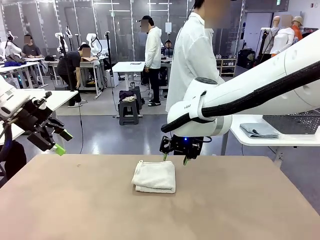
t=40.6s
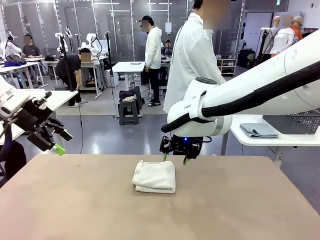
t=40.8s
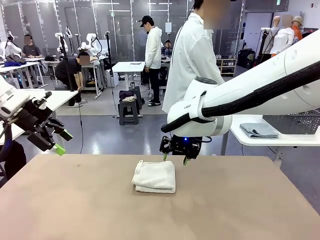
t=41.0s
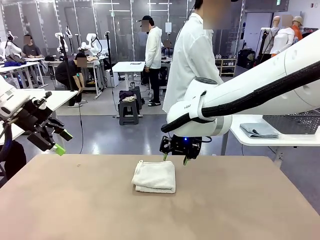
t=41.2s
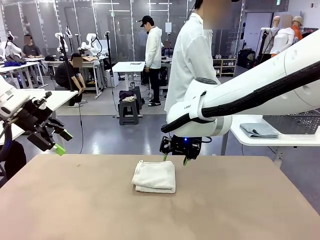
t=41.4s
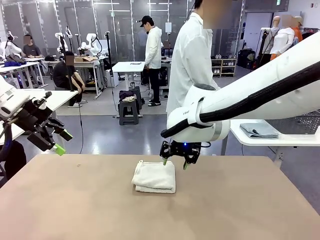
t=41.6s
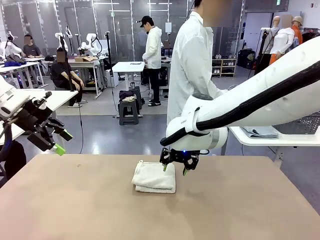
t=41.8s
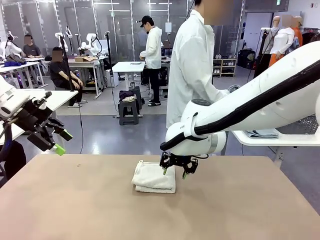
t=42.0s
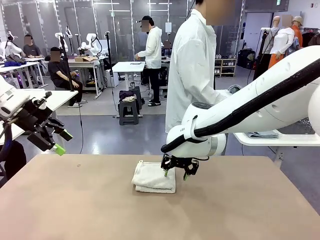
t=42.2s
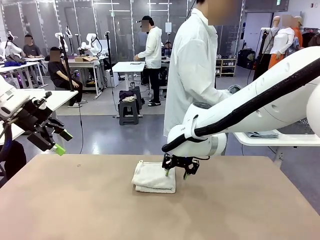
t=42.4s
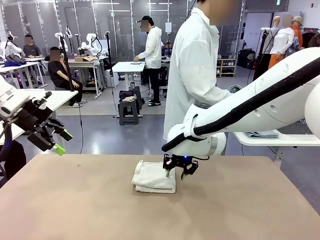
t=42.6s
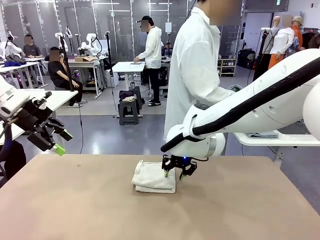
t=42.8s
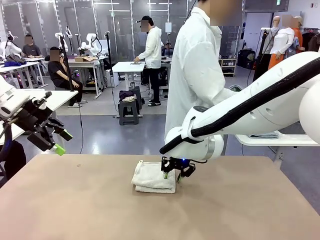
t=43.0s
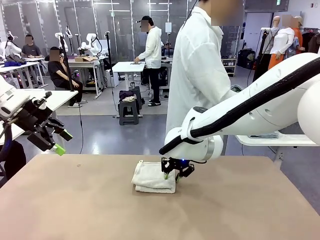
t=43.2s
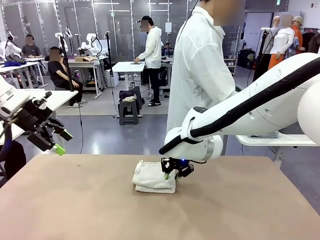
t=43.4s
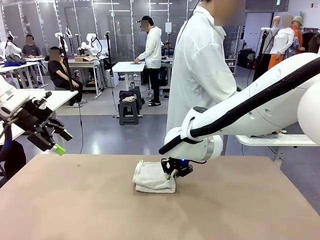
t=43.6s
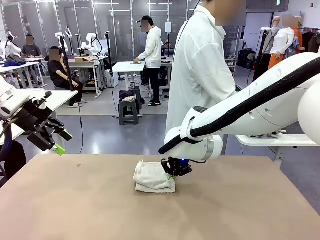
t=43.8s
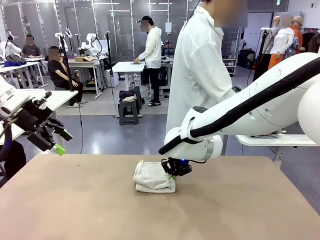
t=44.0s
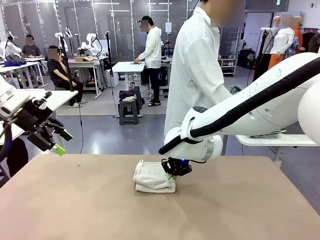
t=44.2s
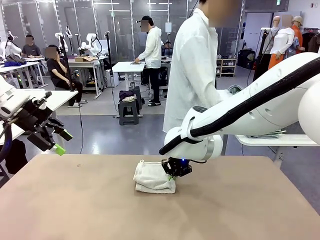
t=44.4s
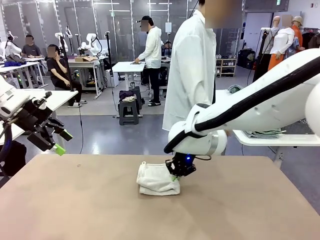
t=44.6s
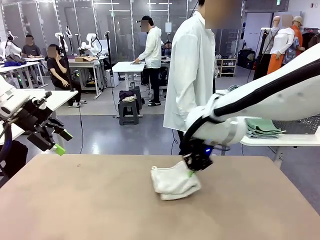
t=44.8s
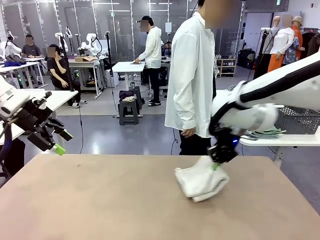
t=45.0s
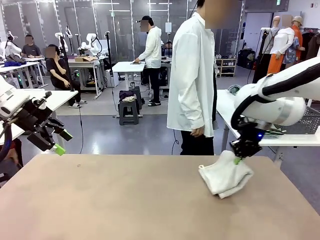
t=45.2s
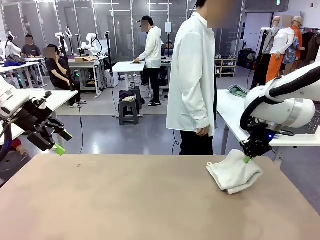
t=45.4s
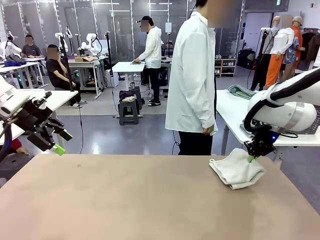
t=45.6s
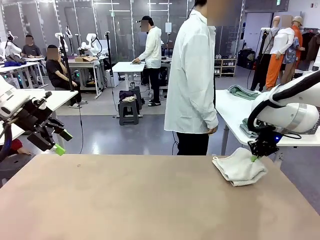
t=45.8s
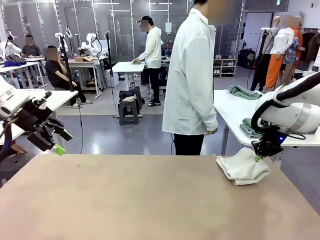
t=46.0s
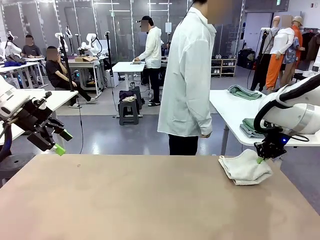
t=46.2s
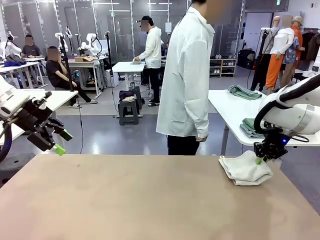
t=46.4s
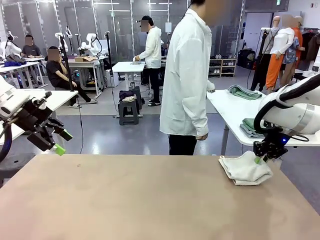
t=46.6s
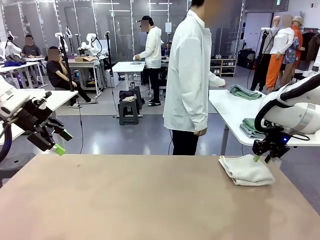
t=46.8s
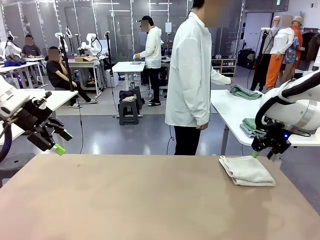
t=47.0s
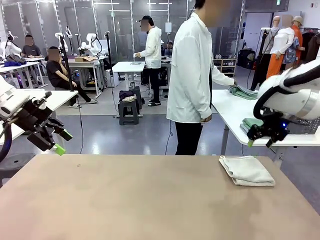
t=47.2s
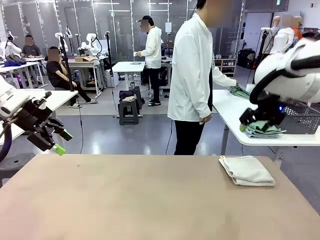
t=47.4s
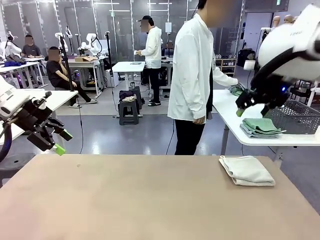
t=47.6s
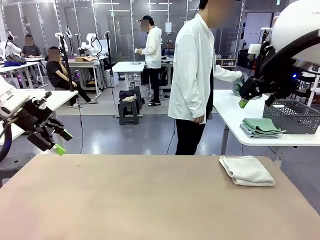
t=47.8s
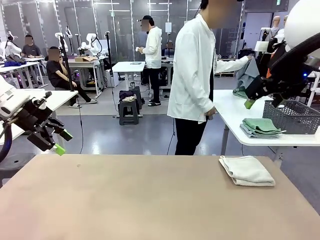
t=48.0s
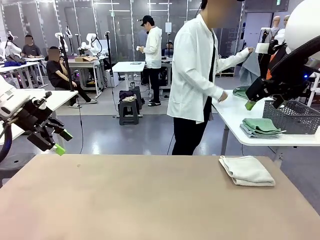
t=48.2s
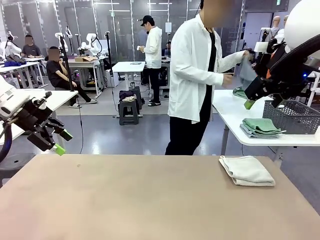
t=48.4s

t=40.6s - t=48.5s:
Task: Fold the towels and place them in the basket.
Robot: Place the folded Towel with hook on the right side of the table.

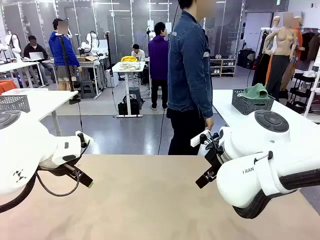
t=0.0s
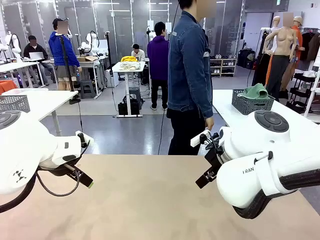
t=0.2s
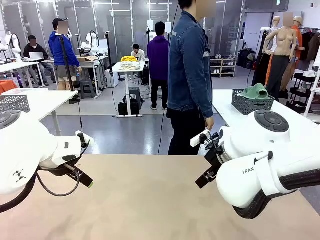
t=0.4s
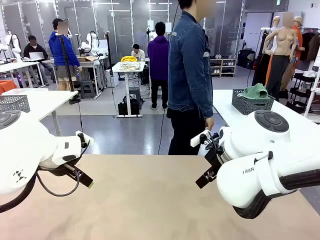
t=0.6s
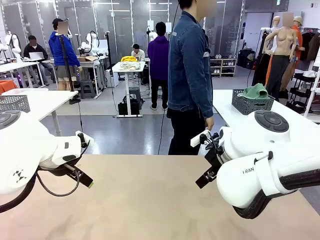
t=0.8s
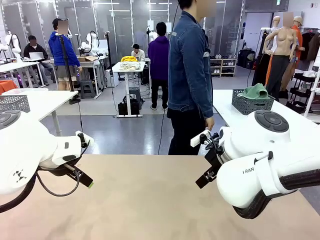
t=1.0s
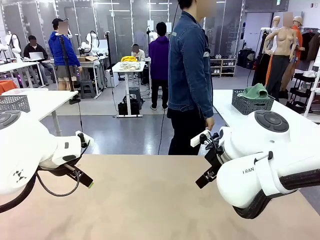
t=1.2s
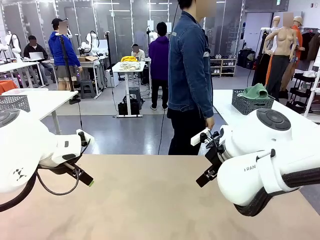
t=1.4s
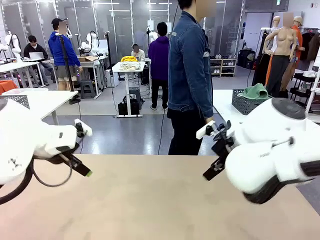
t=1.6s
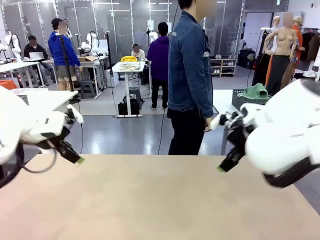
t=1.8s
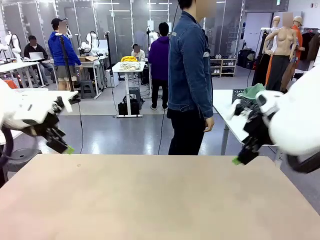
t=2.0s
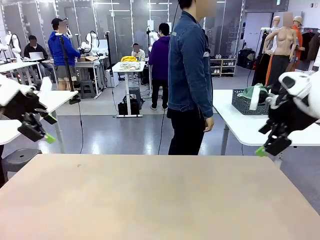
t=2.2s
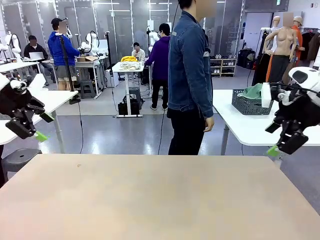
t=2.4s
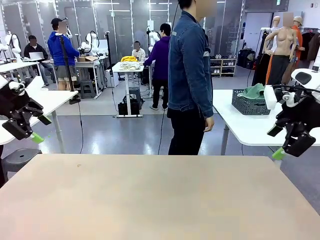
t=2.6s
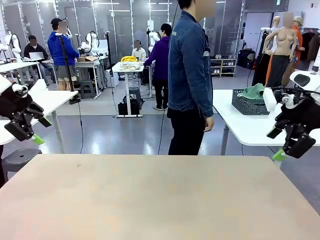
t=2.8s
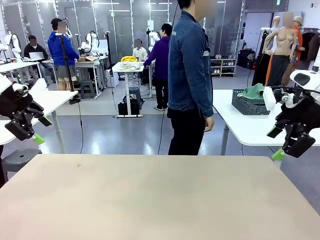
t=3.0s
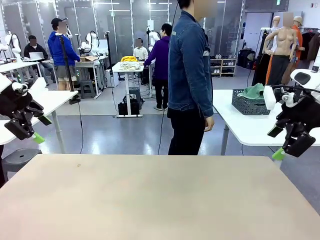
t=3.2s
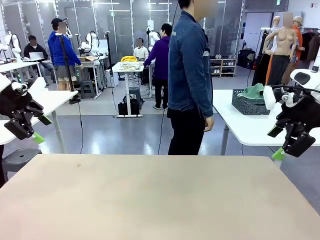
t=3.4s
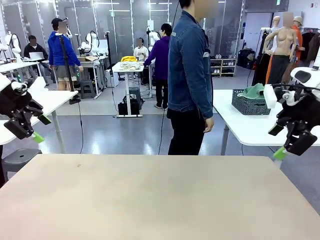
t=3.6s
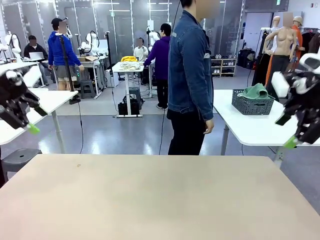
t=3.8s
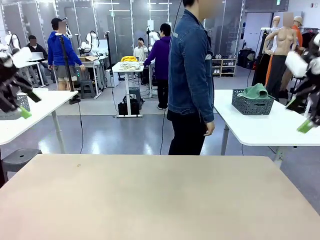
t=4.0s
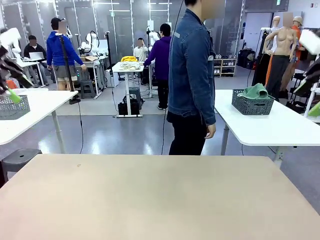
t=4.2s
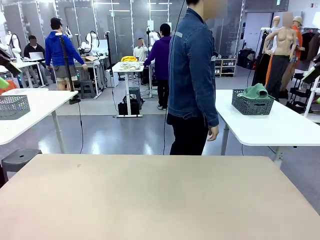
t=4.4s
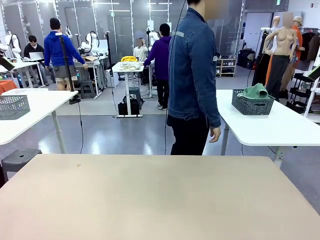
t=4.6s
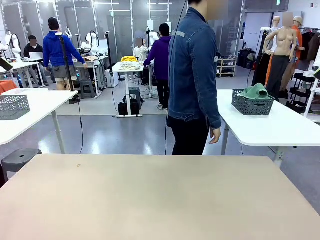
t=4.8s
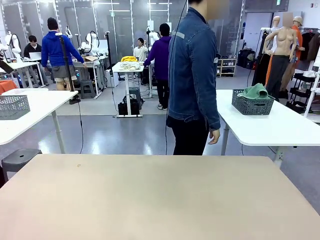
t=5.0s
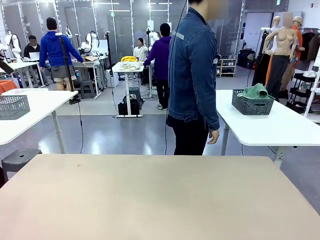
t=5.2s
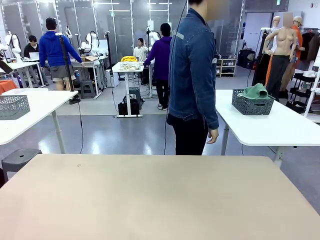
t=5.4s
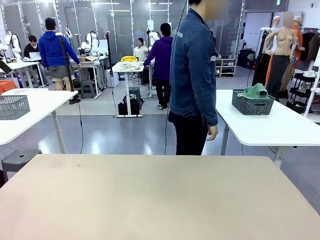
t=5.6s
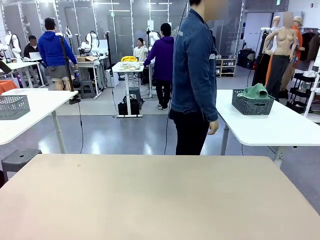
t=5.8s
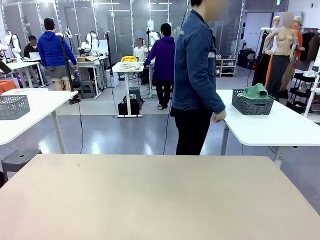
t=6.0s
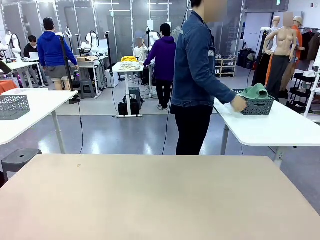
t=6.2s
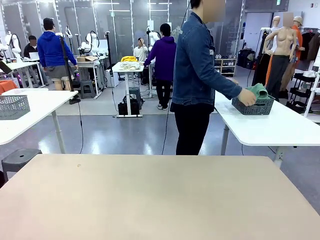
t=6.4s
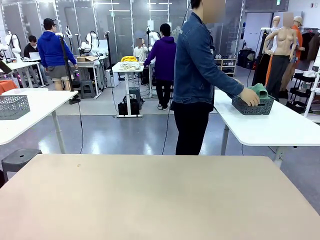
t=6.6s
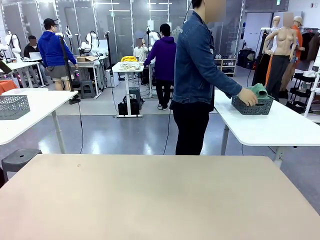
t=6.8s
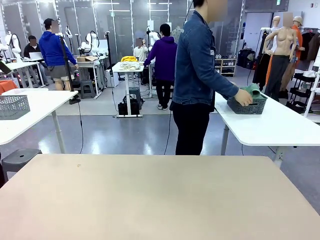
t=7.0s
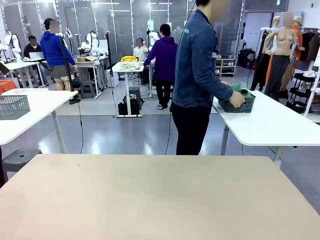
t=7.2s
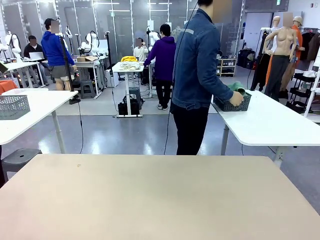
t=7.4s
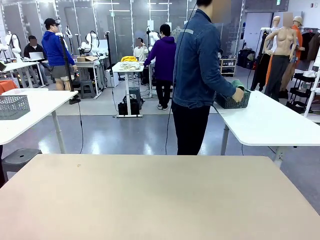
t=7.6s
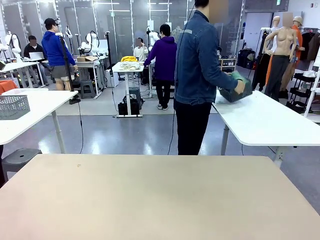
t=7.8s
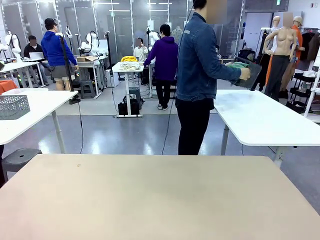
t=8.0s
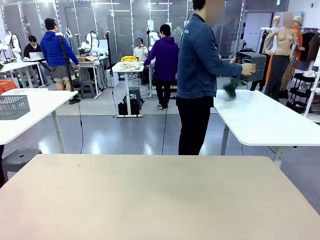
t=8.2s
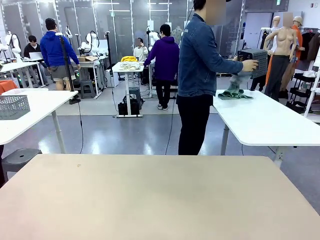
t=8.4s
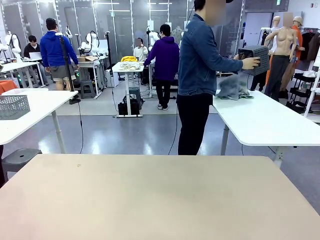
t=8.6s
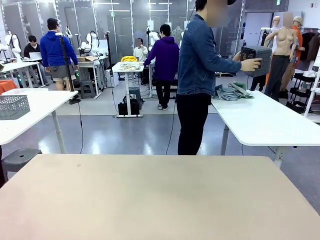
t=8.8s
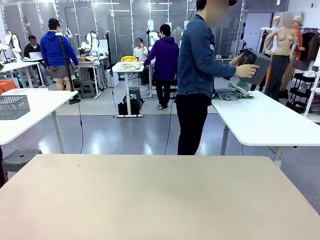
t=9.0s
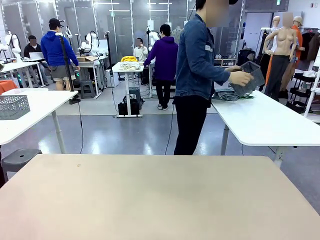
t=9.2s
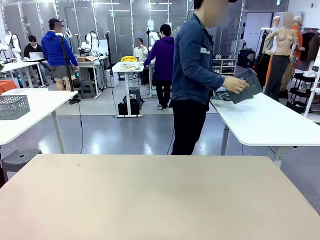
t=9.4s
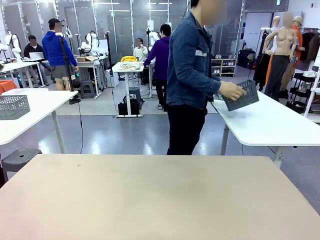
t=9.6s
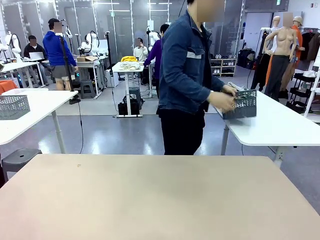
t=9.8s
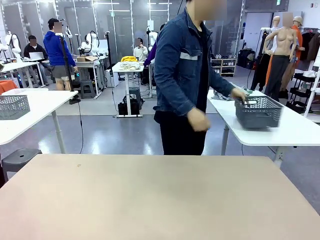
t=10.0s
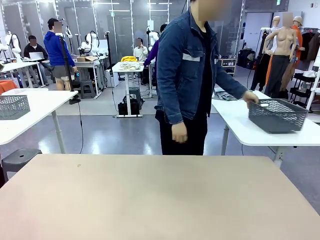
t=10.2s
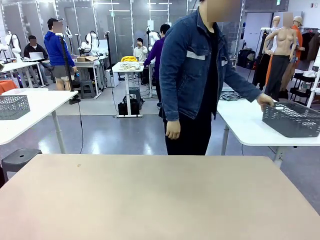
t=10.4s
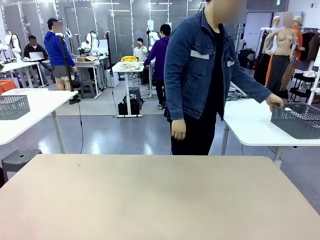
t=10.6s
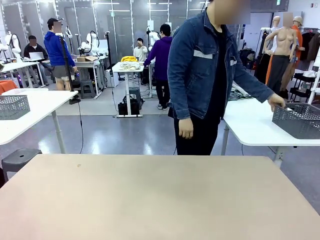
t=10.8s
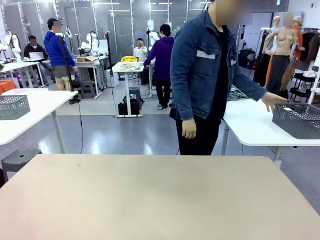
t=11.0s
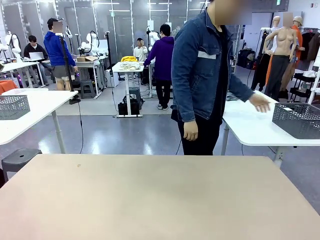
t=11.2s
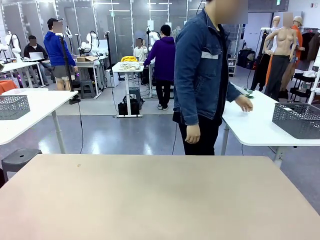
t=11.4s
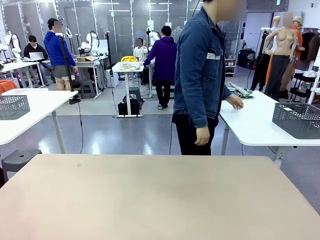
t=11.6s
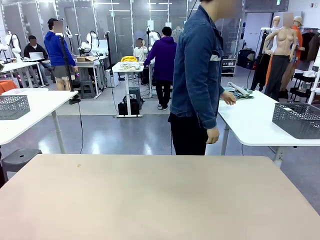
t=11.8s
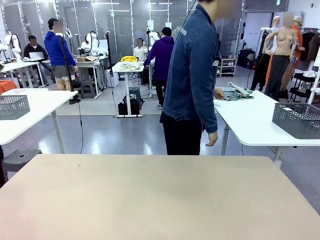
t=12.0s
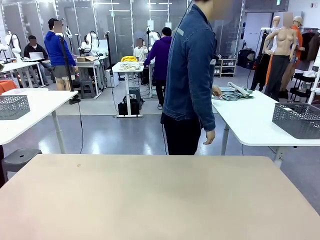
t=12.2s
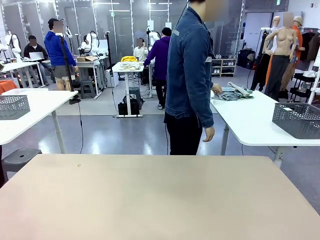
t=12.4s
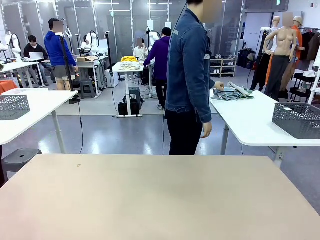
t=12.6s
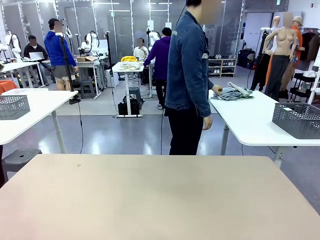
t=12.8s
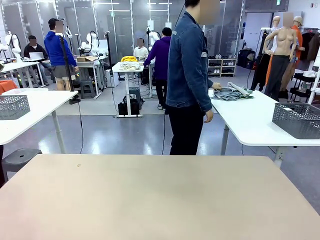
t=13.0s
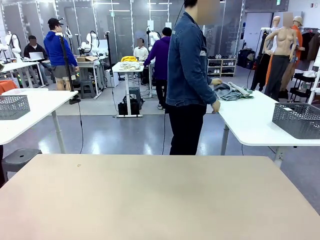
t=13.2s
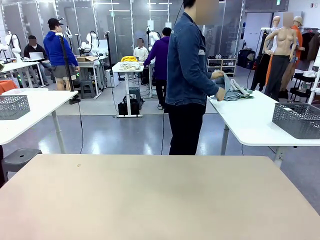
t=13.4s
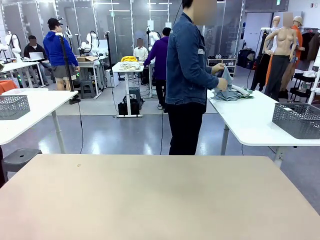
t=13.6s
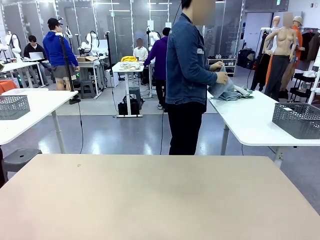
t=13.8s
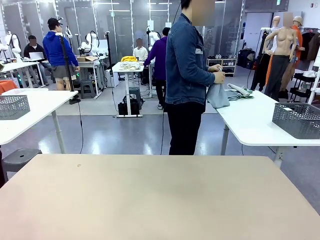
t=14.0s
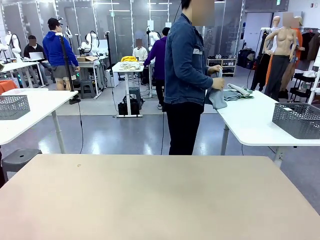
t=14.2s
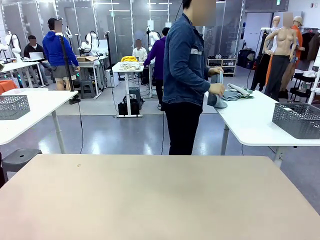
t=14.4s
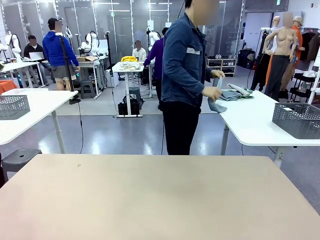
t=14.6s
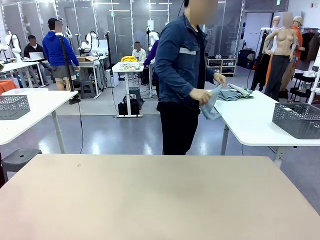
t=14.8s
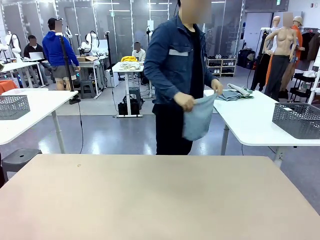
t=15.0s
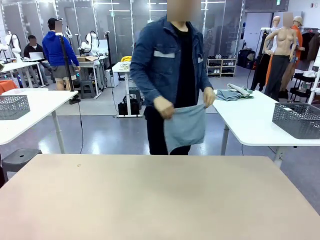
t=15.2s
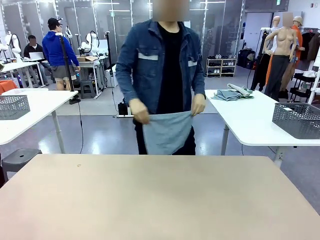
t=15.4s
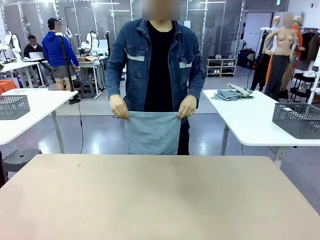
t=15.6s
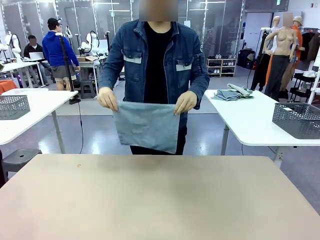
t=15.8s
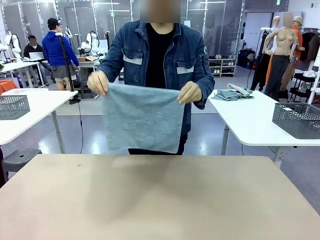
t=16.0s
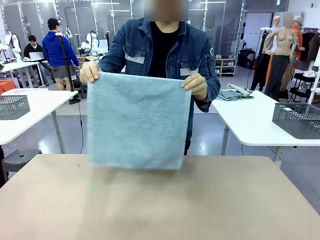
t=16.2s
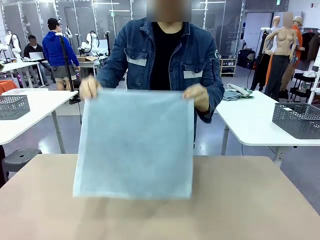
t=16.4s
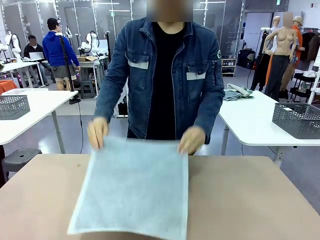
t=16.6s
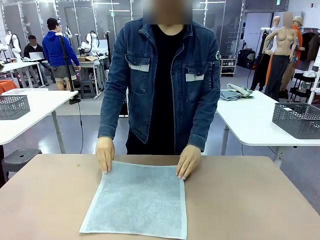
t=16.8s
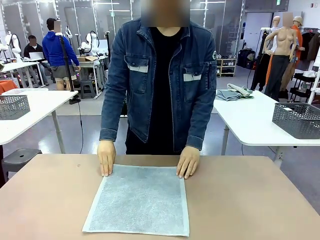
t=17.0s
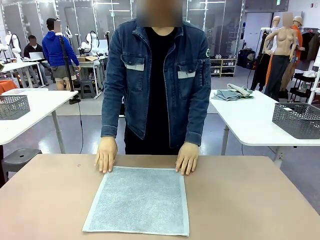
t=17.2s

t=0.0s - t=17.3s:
Task: Fold the towels and place them in the basket.
Robot: When a person lays out a Towel with hook on the table, fold it in half twice.
Person: Pick up the basket, pour the towels onto the left side of the human table, and place the basket on the right side. Pick up one towel and spread it out at the center of the robot table.
